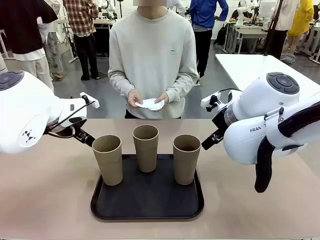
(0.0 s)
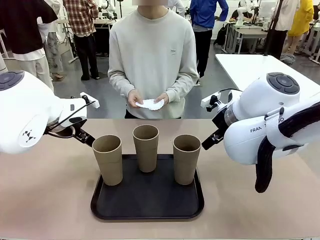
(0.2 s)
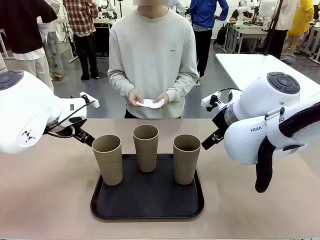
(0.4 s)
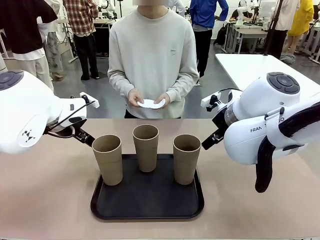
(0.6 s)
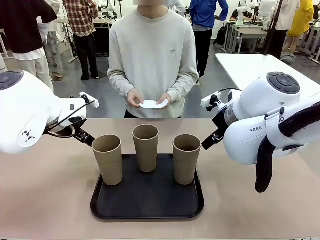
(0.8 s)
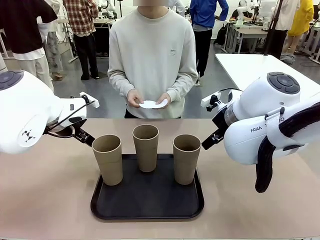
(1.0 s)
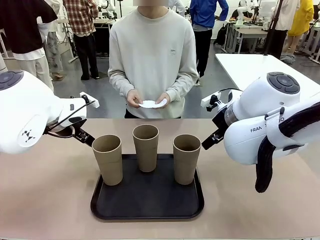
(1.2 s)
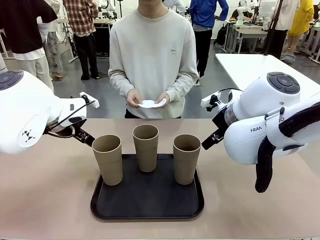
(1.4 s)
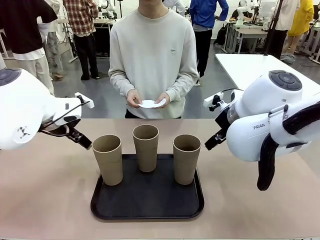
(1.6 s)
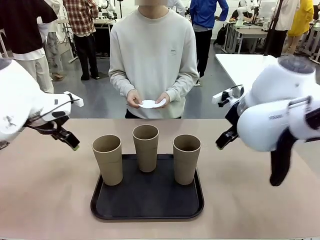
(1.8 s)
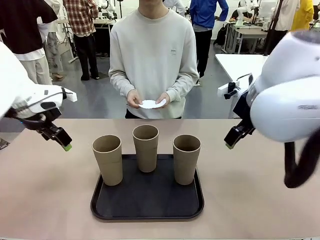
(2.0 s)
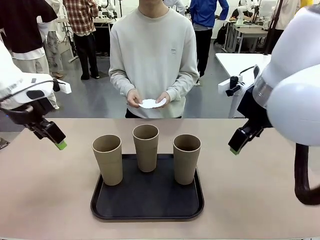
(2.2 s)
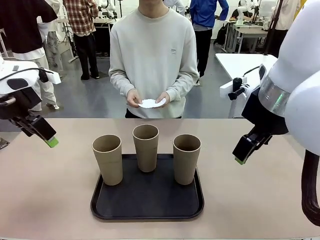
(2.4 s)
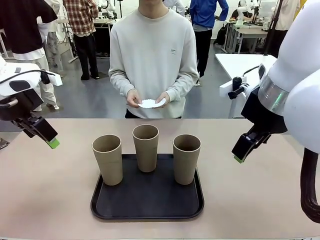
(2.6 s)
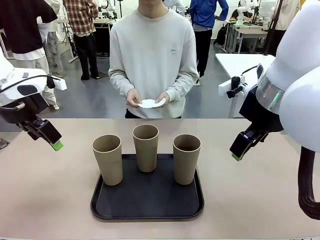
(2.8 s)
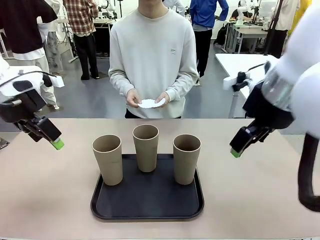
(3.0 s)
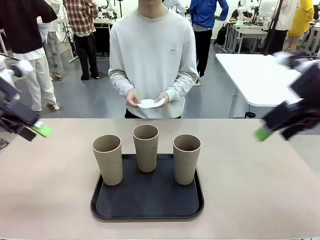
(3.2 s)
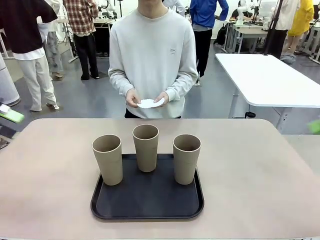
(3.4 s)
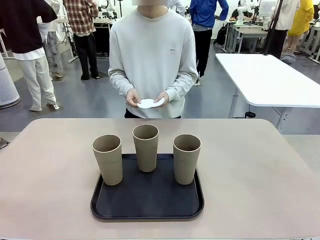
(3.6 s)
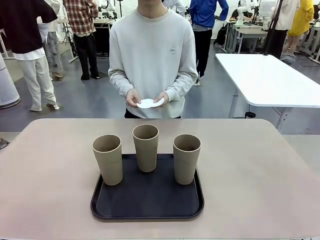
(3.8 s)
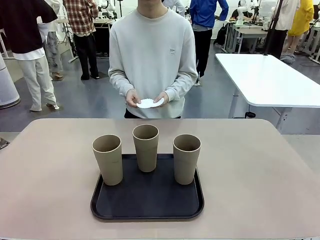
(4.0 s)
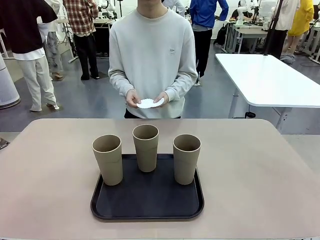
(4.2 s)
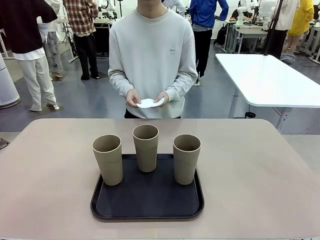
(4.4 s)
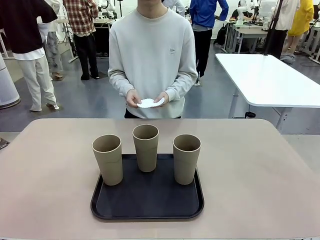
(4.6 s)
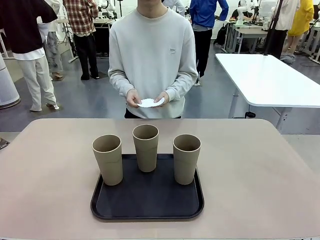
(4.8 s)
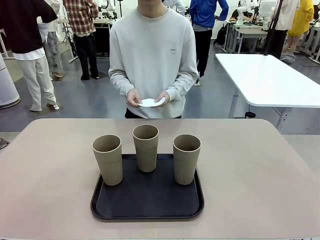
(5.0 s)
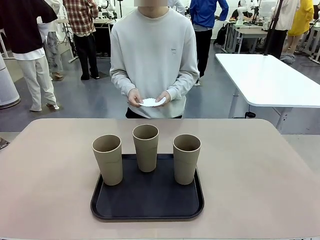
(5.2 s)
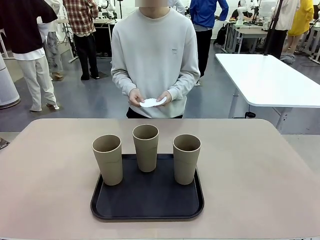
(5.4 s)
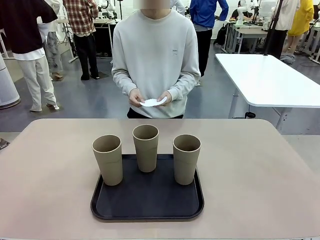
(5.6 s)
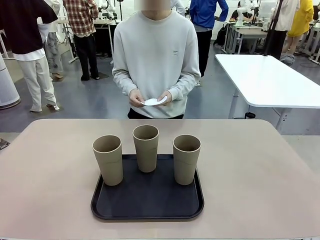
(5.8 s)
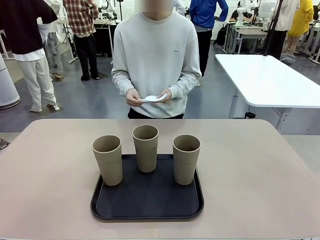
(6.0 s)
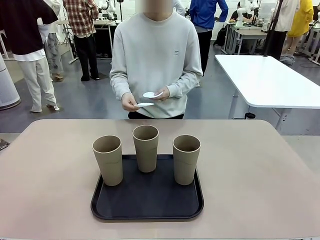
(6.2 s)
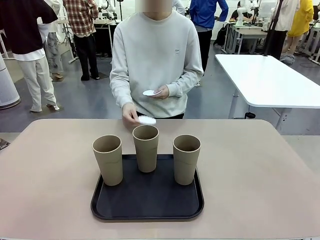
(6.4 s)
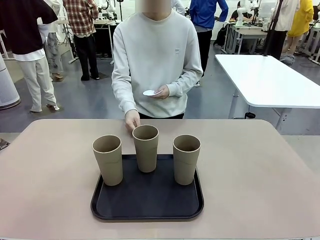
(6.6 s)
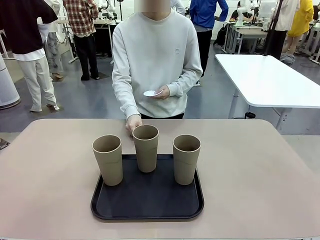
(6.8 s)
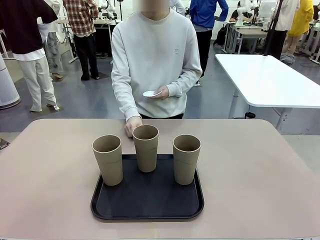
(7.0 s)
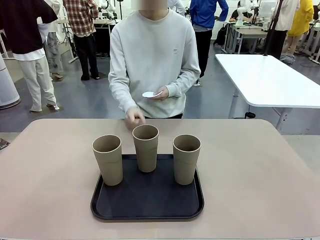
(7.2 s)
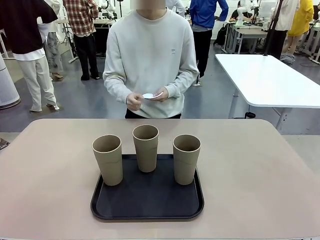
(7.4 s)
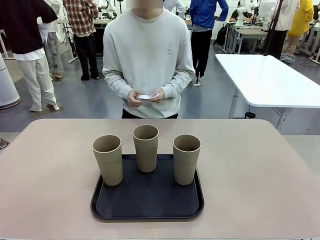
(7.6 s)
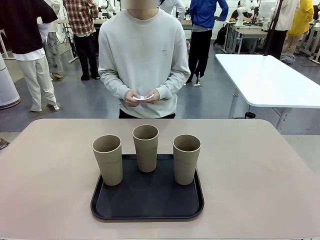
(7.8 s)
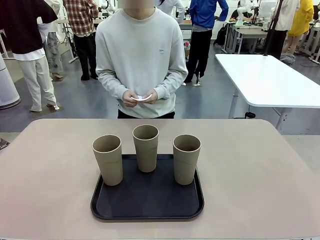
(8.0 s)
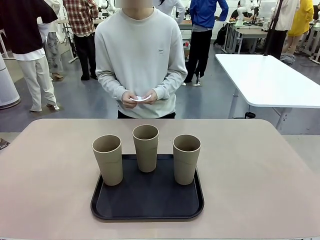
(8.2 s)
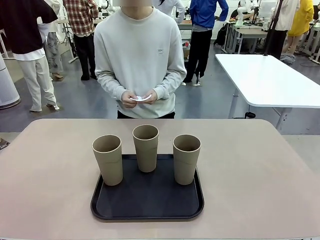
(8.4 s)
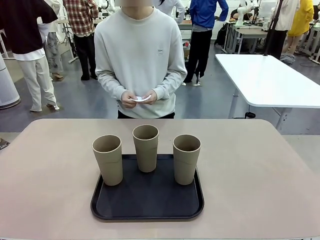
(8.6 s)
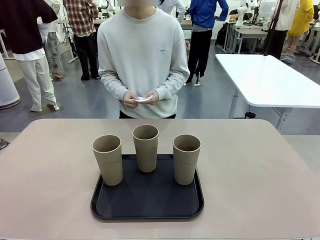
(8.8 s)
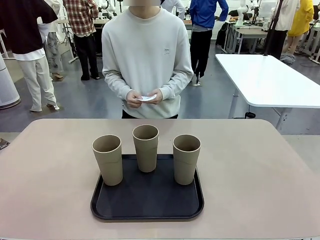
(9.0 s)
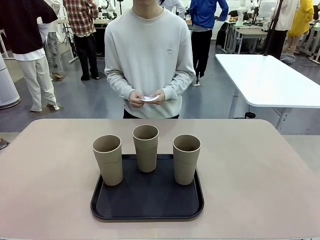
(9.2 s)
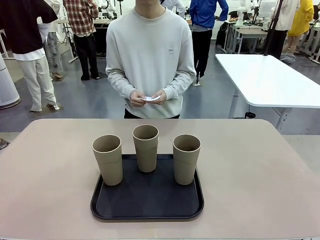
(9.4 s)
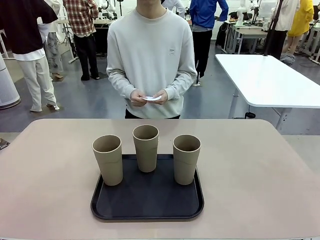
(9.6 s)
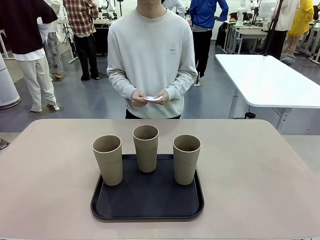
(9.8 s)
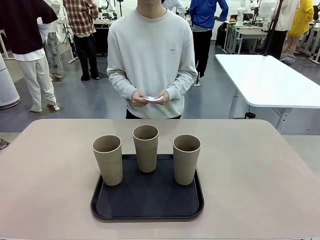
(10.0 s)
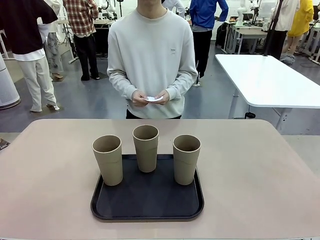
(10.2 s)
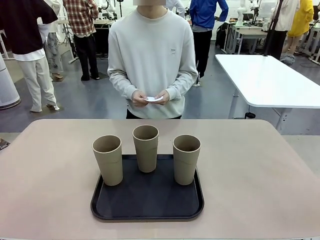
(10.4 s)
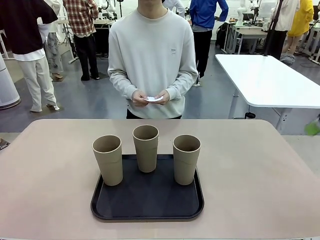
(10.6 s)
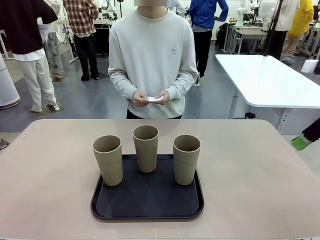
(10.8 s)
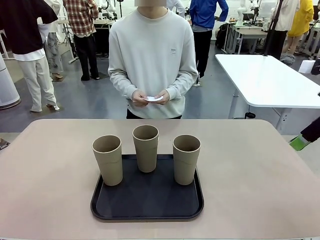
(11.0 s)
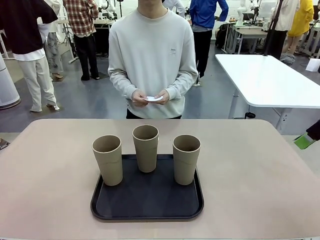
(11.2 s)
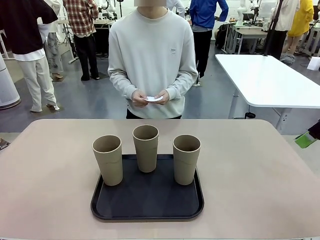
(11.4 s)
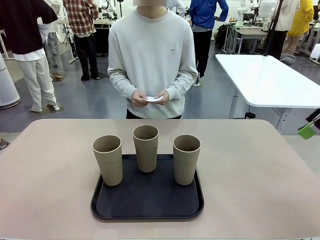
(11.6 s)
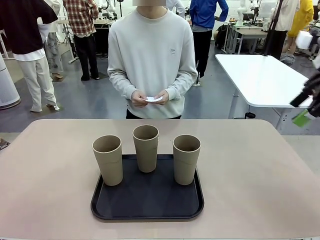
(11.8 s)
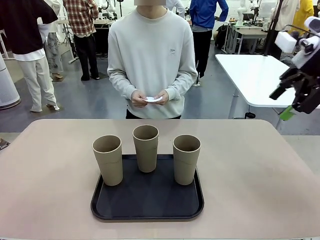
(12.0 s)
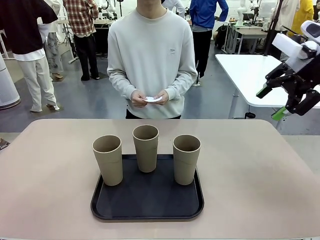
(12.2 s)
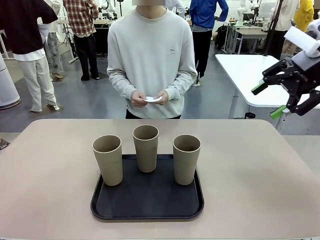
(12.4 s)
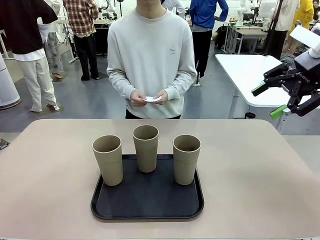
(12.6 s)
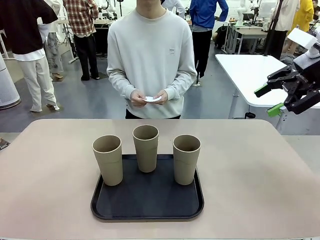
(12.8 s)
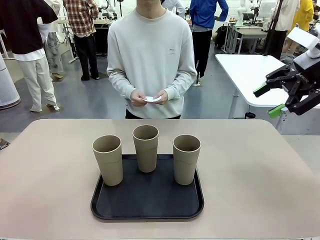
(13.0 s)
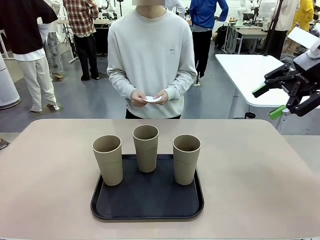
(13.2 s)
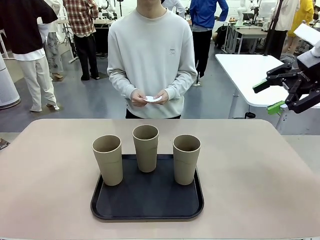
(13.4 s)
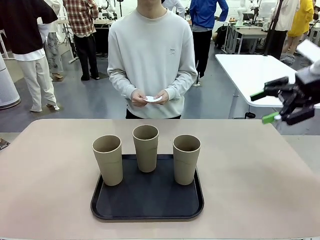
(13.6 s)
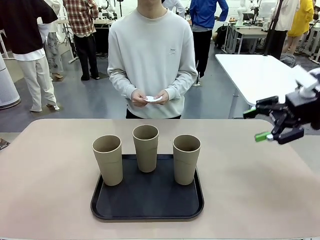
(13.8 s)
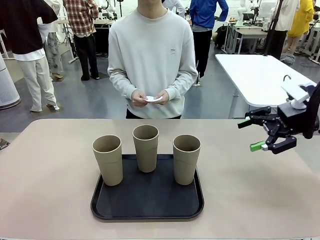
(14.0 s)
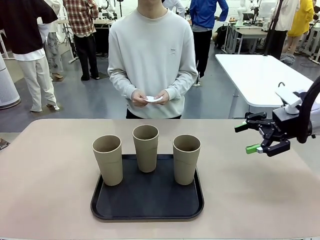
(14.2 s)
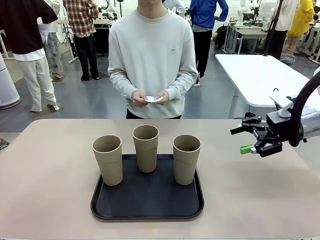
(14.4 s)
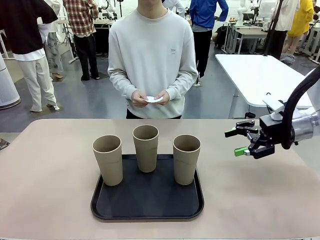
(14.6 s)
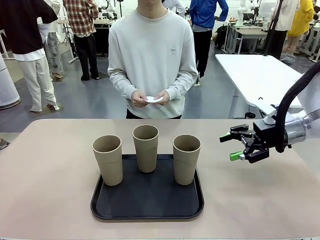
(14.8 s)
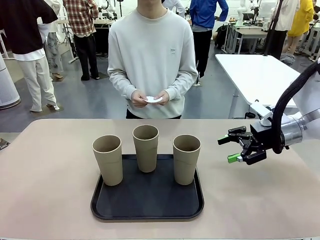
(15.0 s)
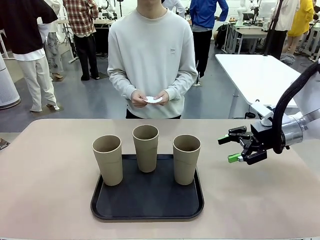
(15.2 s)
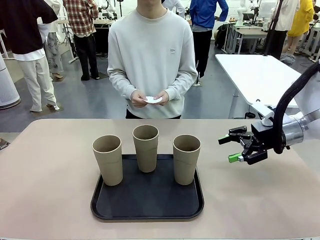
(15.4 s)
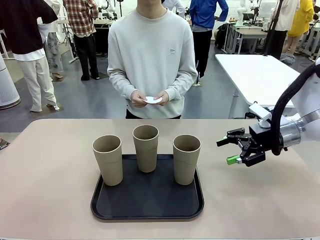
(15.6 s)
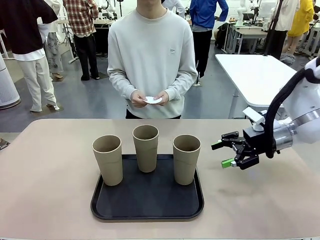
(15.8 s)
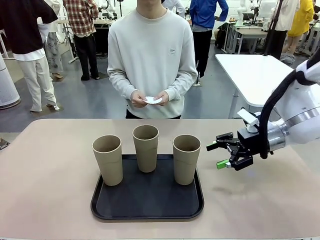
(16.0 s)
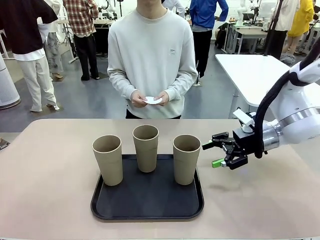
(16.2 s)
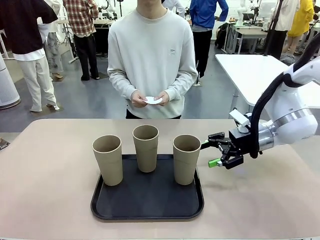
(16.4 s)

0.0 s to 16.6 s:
Task: Place coasters on the table and set cups on them.
Robot: Pick up one Reusable plastic cup and place it on a coaster set by the human.
Person: Place one coaster in any one of the three lower areas of the robot table (left, center, or right).

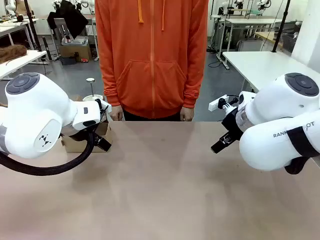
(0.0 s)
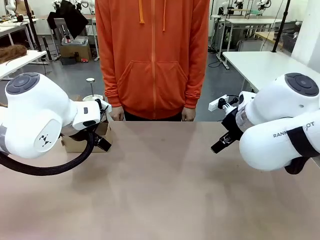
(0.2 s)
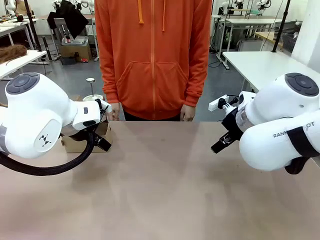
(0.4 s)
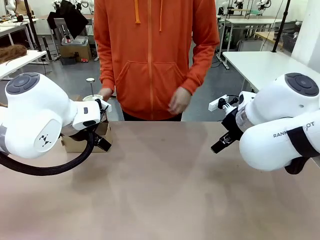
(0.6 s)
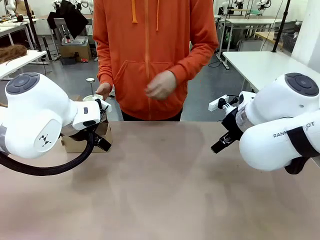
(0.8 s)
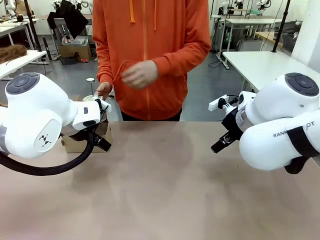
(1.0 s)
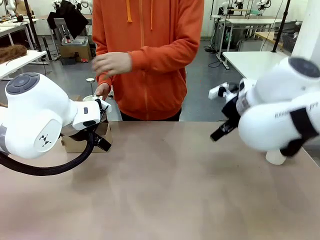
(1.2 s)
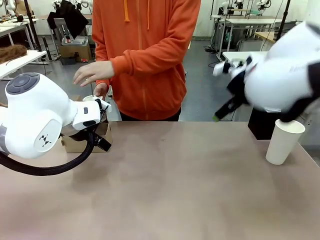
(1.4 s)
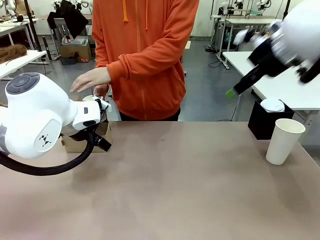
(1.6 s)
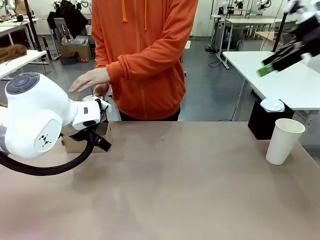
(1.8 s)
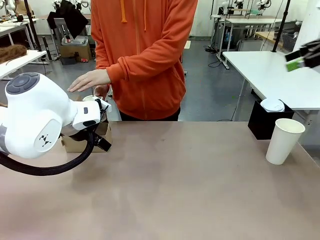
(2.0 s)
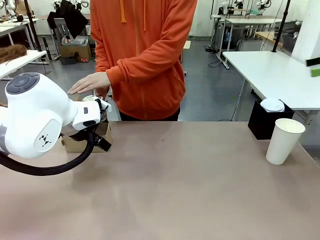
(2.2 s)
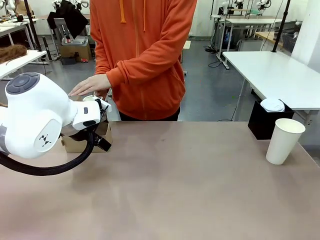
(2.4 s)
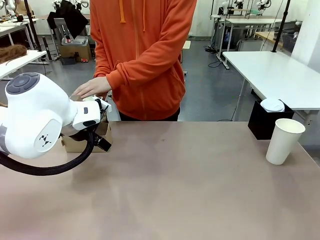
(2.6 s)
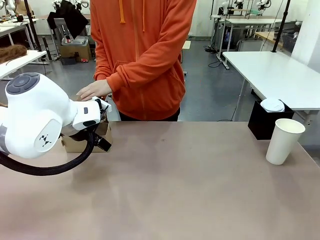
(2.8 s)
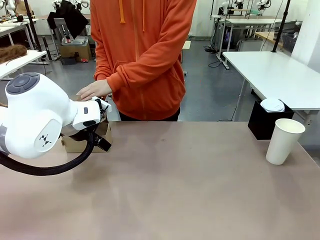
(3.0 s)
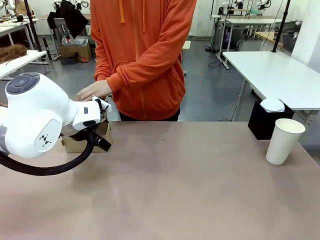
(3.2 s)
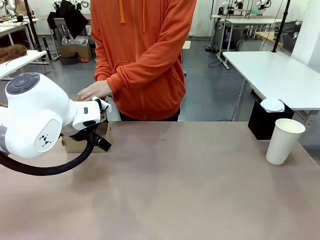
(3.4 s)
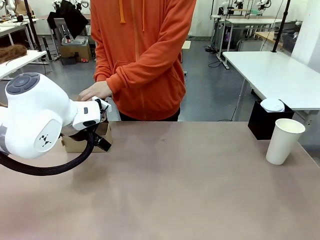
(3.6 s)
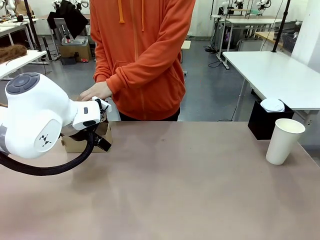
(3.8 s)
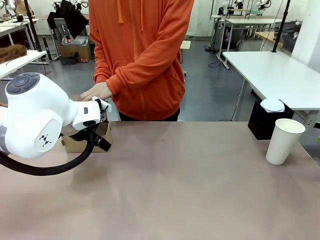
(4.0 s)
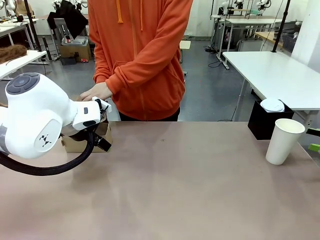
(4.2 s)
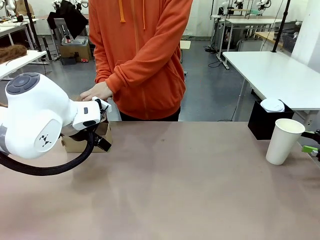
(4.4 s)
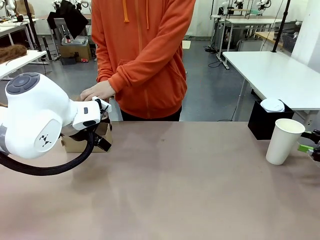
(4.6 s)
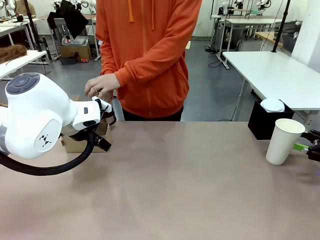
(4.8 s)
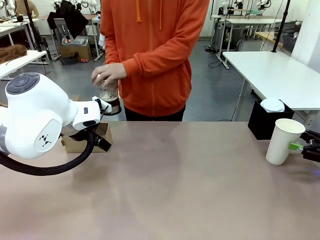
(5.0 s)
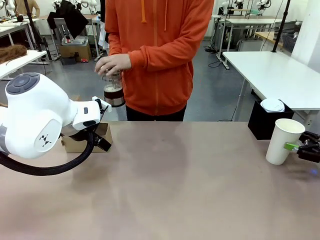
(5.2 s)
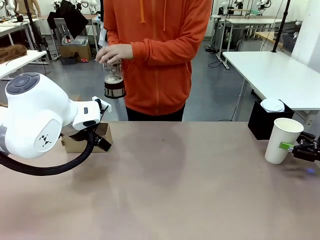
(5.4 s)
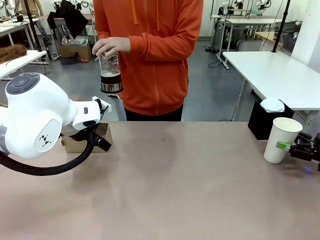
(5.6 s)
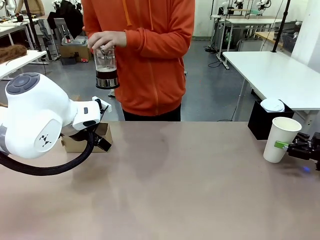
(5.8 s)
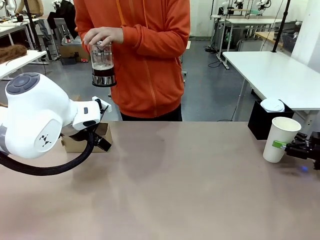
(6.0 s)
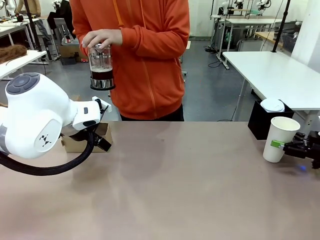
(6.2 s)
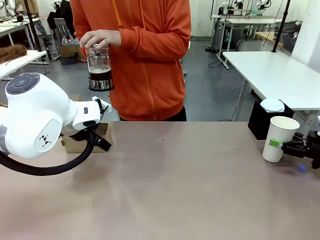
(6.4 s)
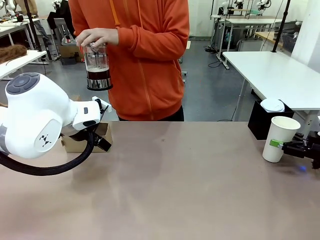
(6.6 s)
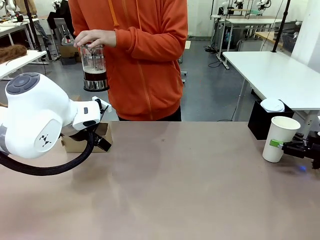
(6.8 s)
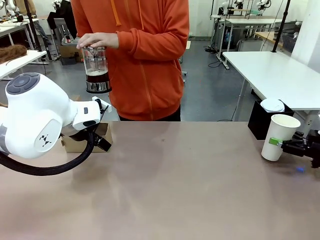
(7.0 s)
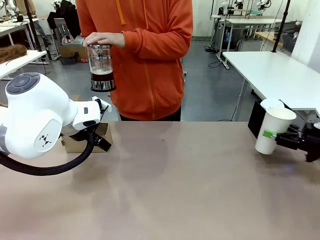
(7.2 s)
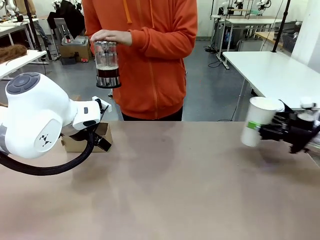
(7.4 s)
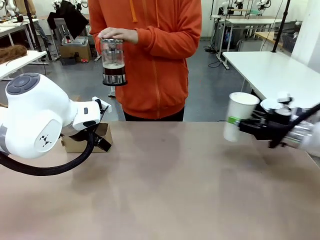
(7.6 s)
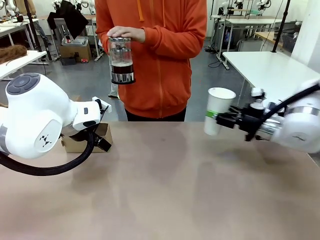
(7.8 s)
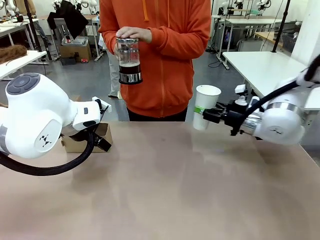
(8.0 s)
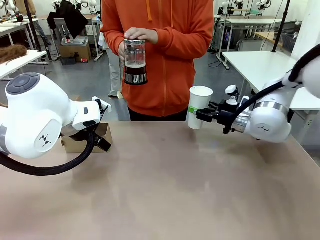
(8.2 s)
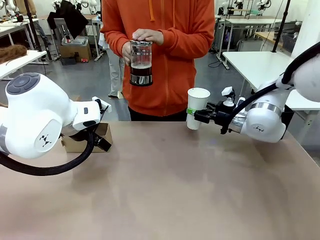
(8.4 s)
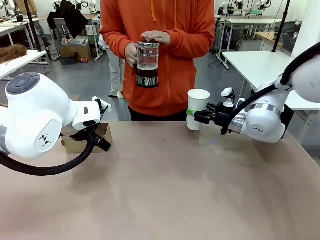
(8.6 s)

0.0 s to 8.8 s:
Task: Pour a drink into a cup and package it in a carrier.
Robot: Pick up the 600 ml Paper Cup and place it in the middle top area of the table.
Person: Press and pick up the Filter Brewing.
